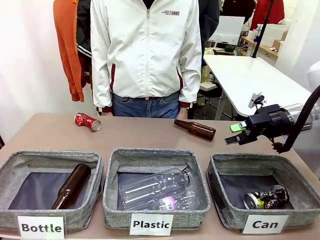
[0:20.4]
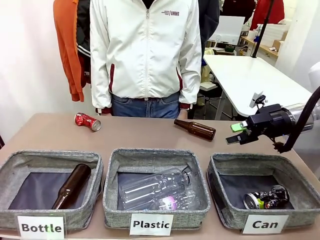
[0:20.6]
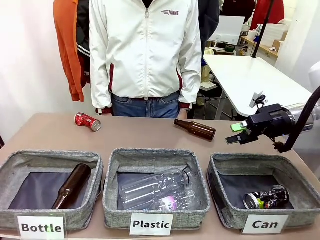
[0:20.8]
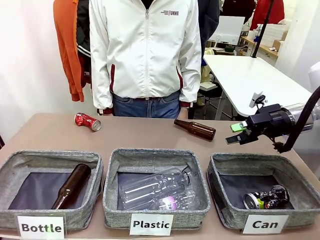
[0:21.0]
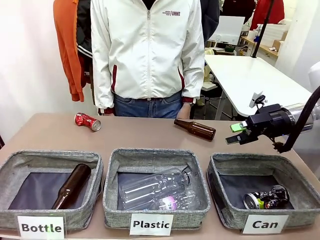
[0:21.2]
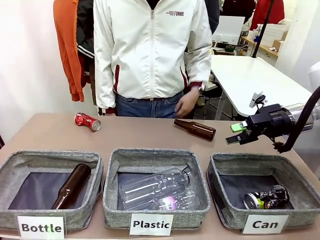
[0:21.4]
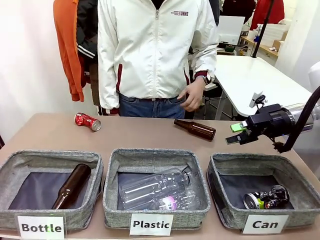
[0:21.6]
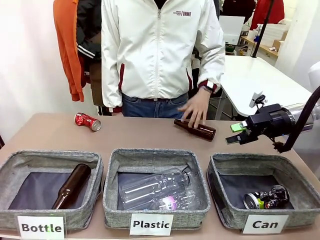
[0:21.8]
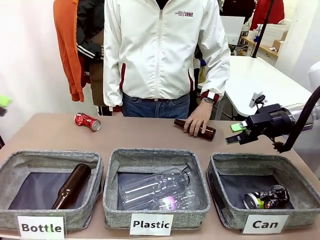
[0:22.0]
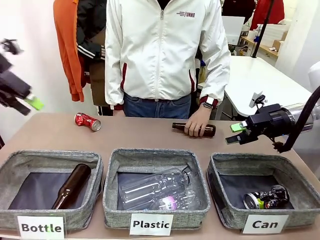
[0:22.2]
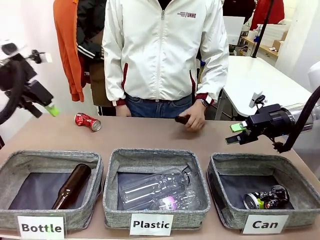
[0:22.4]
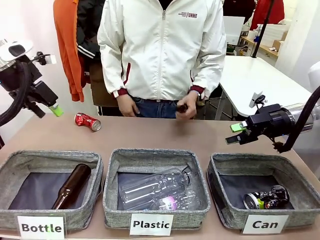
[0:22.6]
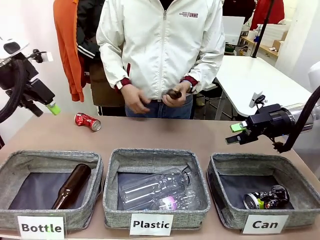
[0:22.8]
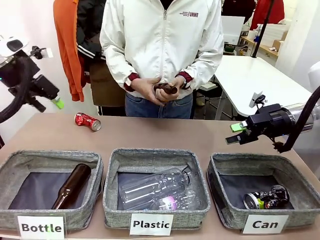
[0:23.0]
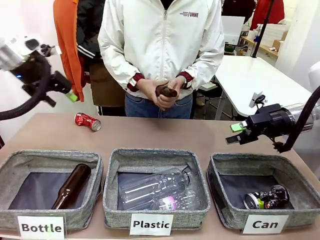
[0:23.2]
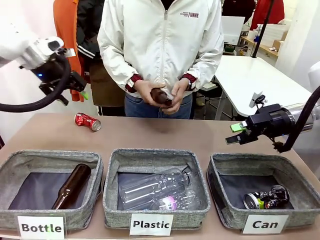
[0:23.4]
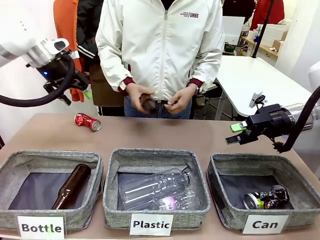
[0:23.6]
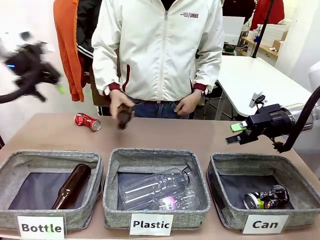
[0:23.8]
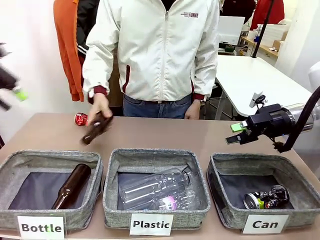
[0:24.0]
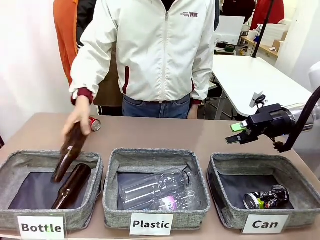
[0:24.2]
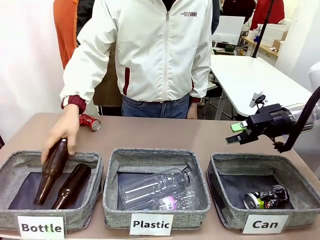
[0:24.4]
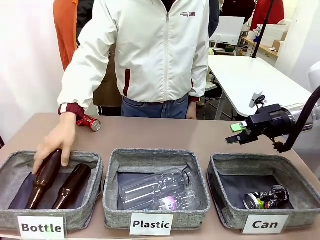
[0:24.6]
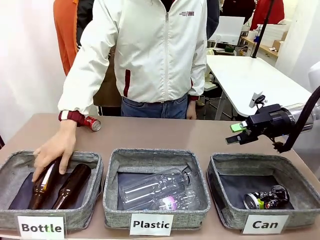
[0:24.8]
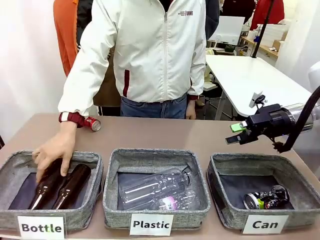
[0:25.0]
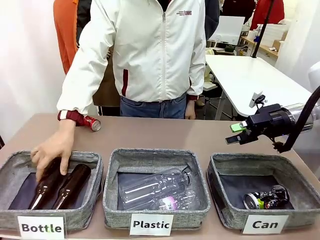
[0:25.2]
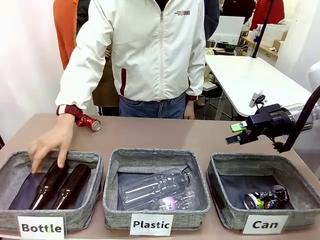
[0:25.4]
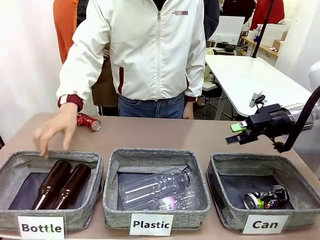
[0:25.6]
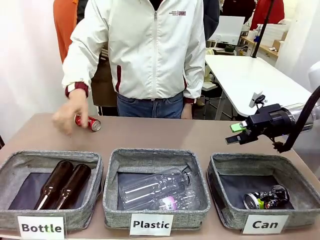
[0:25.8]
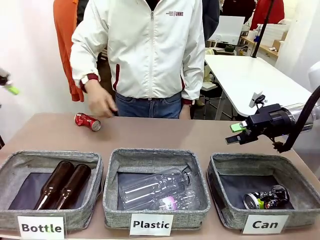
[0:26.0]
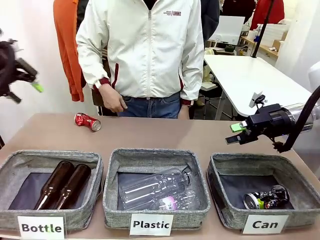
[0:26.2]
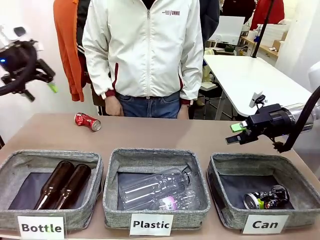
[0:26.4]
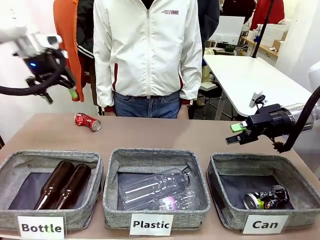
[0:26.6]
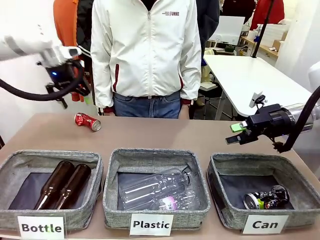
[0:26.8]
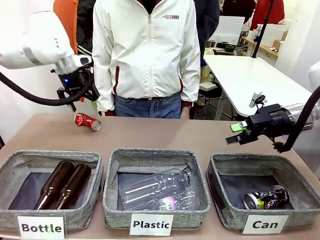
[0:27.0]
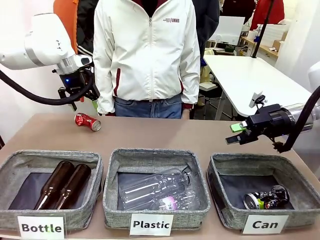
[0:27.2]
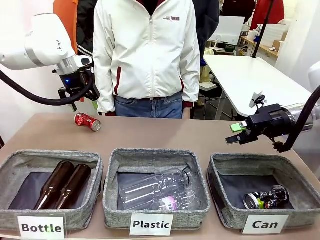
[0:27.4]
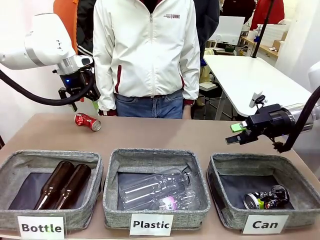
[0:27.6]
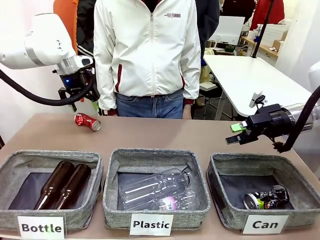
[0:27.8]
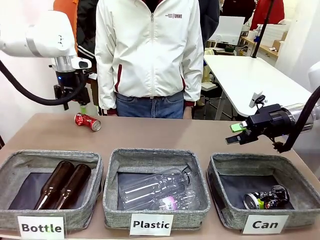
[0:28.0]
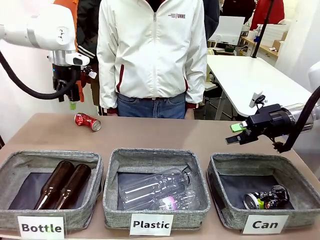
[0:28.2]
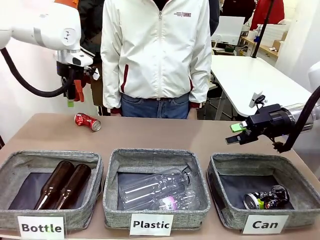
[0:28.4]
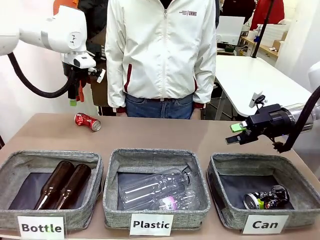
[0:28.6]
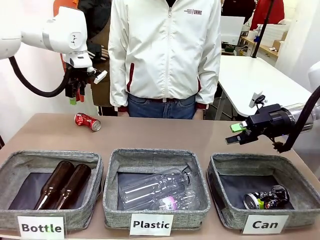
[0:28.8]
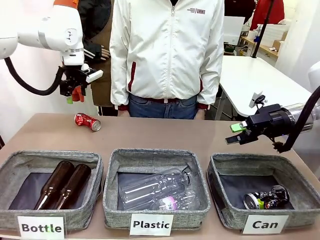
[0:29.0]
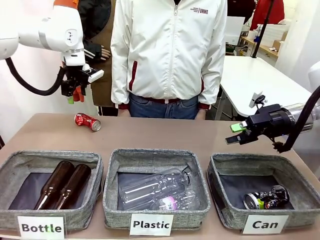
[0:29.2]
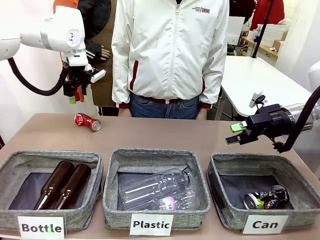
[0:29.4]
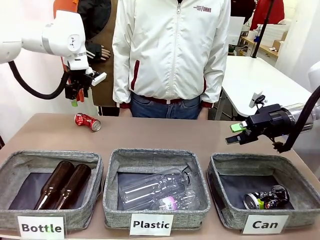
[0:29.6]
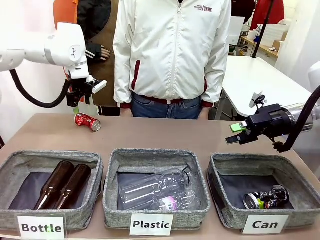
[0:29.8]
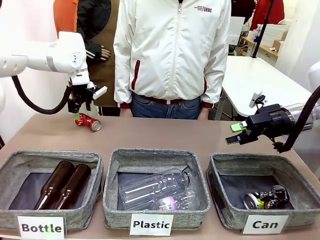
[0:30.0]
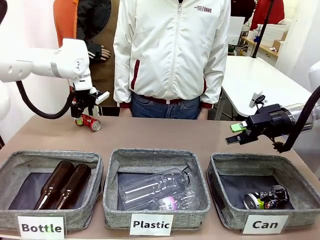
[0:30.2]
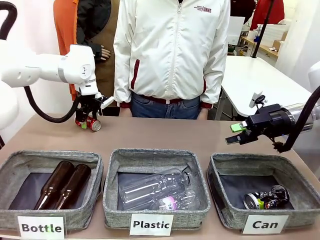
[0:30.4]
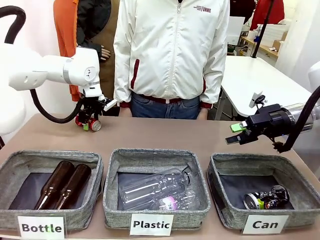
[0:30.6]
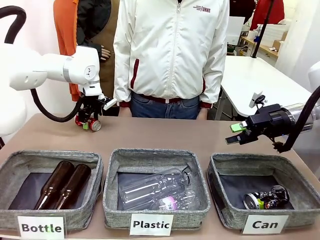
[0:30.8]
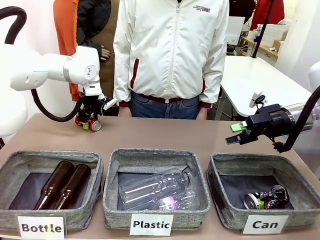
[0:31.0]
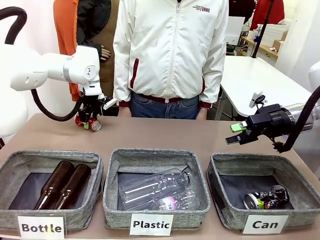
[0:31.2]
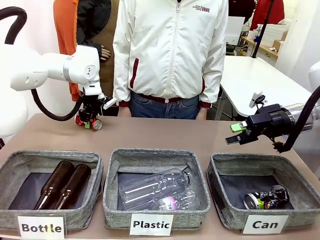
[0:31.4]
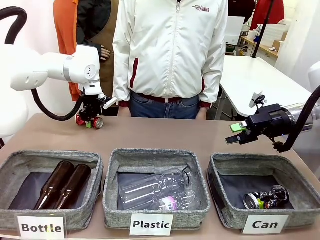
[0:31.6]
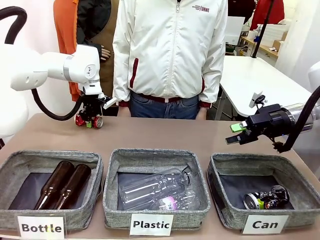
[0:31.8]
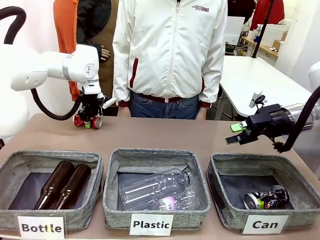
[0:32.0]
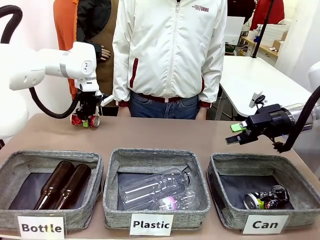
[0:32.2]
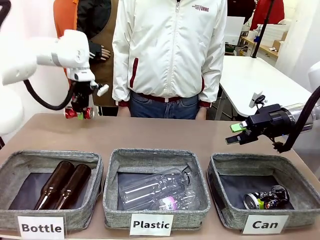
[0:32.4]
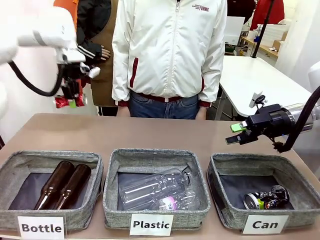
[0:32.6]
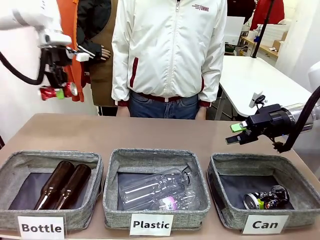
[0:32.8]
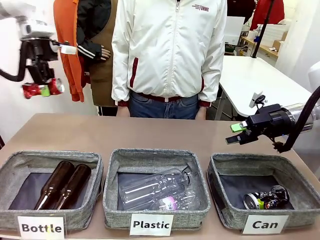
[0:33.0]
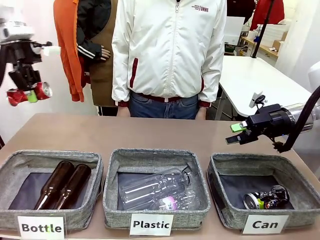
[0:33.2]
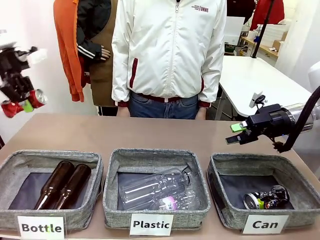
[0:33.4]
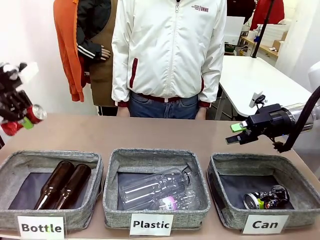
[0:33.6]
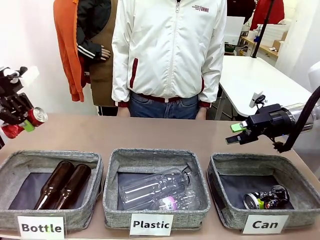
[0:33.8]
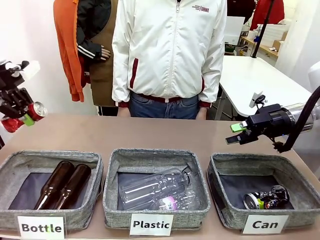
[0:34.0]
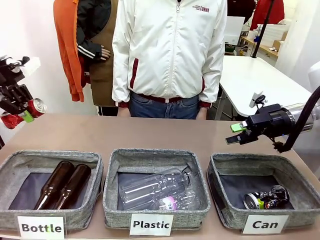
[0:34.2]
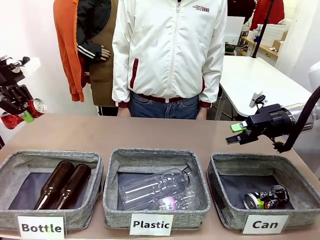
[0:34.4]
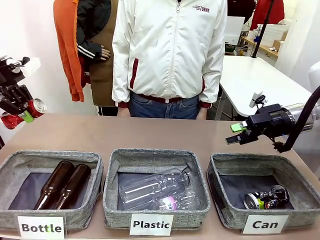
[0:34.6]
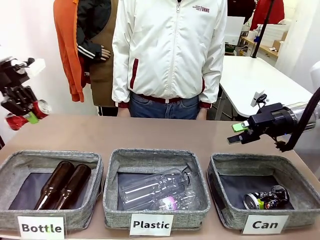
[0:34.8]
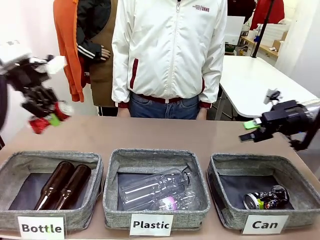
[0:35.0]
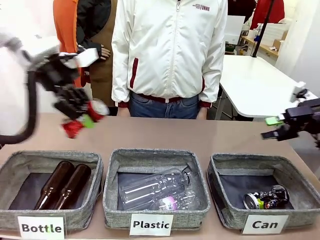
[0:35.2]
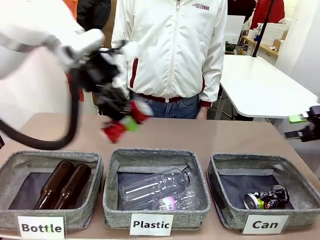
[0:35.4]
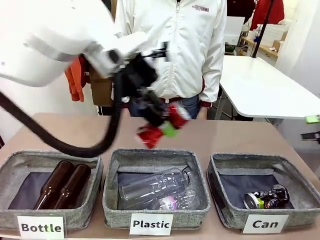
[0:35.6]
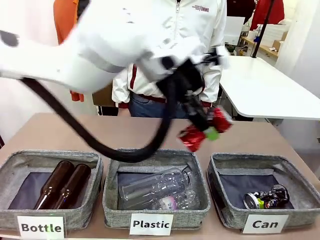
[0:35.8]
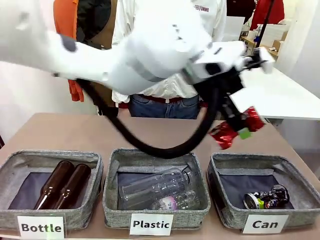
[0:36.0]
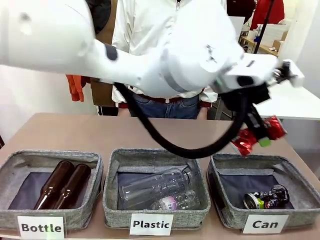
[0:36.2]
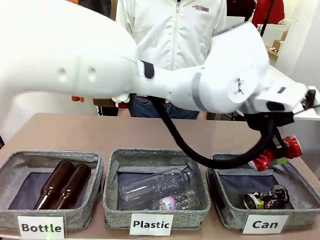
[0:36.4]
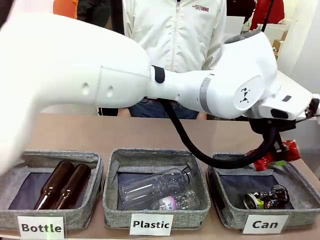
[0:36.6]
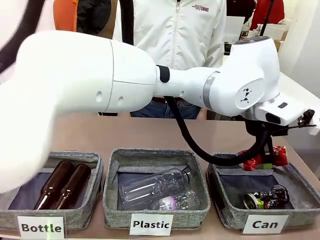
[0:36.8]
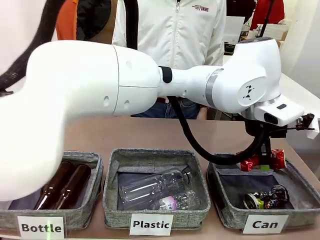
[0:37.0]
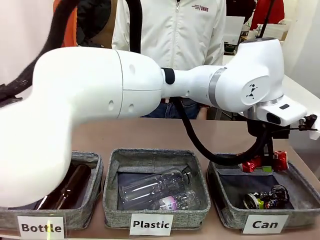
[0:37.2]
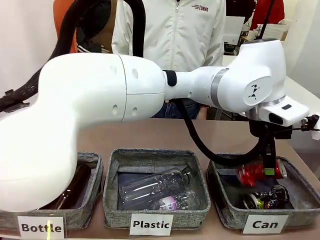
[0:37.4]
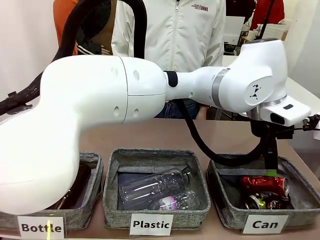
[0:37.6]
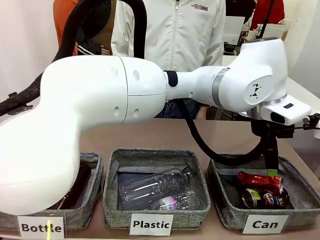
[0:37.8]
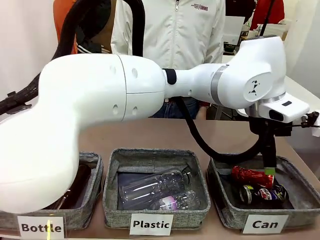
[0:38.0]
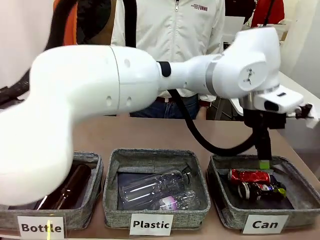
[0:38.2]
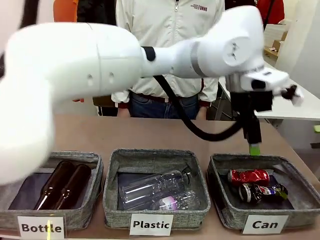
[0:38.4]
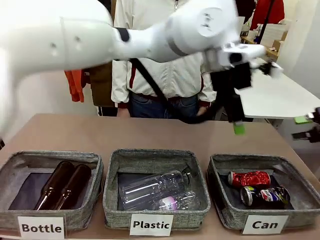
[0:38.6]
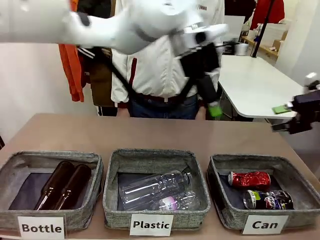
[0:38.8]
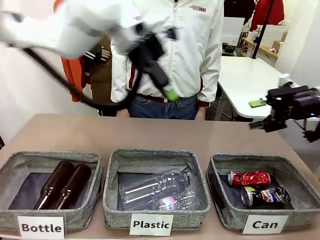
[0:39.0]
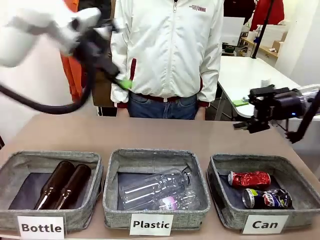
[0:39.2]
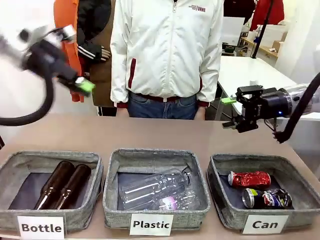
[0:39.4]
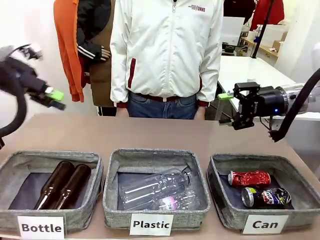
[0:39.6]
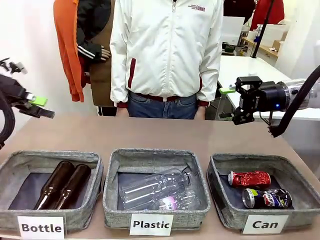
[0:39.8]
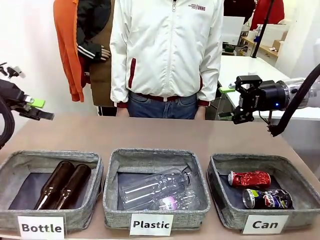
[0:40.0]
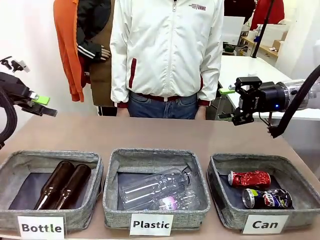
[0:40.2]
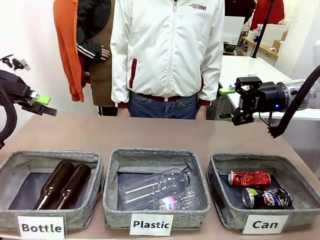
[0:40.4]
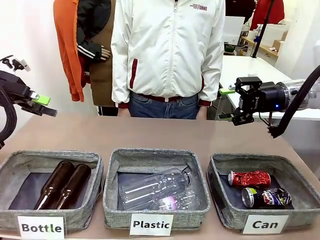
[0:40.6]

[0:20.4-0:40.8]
Task: Sort the can waste into the basket.
Robot: Pick up the can waste from the table and place it in the right Fabric basket.
